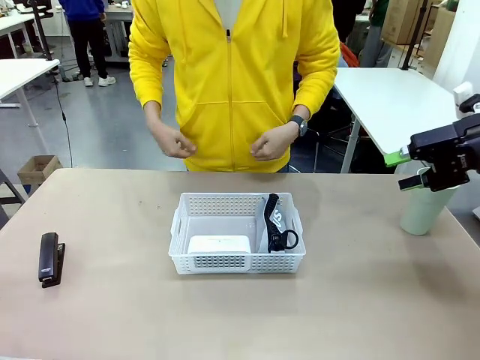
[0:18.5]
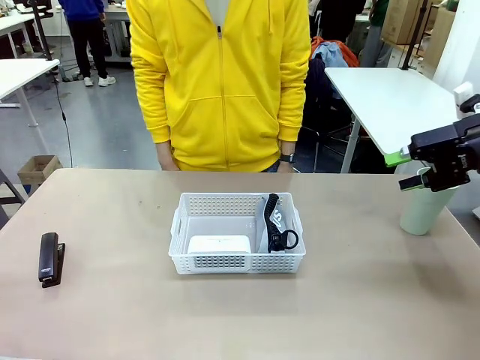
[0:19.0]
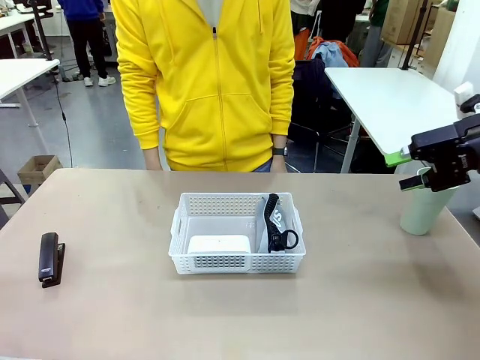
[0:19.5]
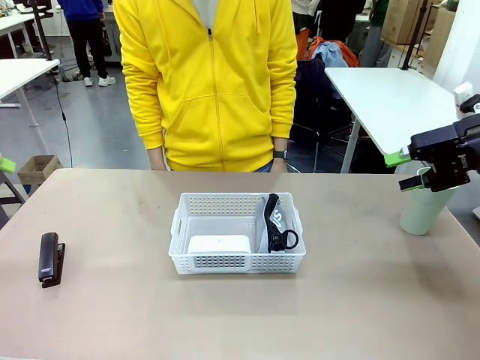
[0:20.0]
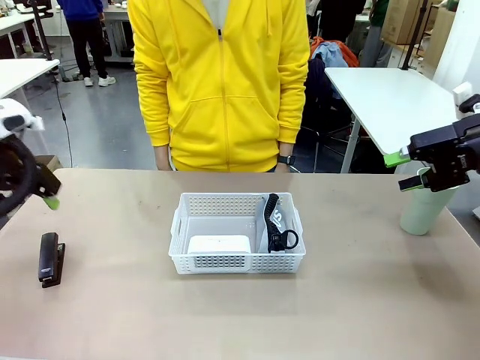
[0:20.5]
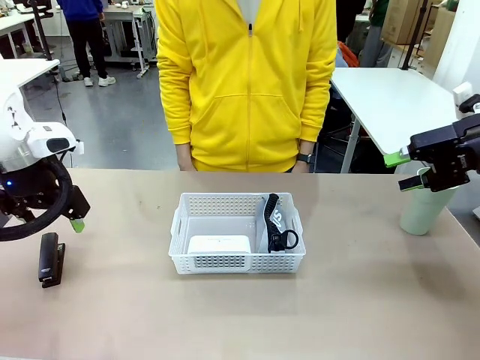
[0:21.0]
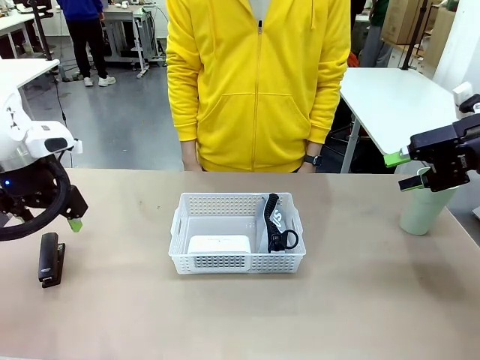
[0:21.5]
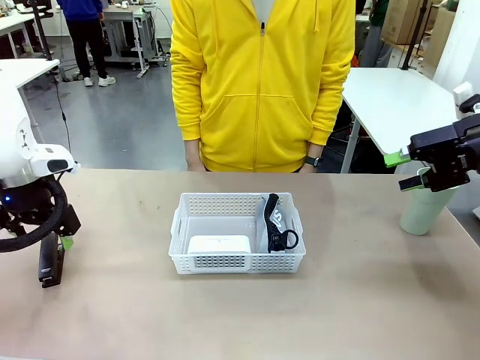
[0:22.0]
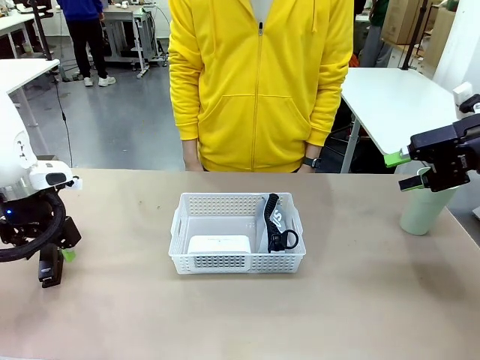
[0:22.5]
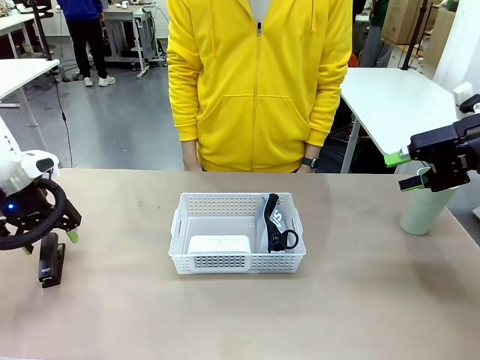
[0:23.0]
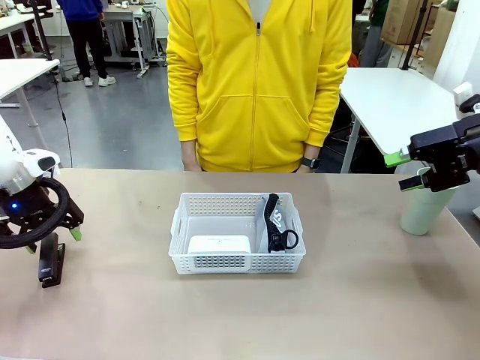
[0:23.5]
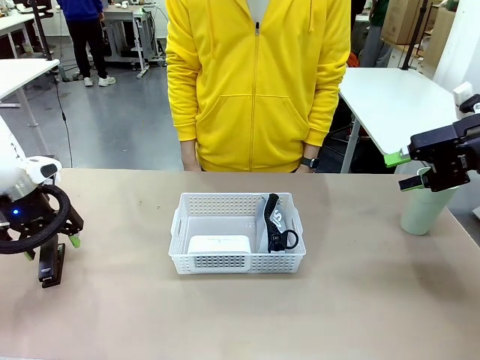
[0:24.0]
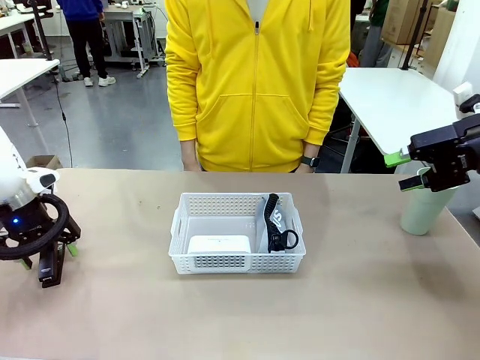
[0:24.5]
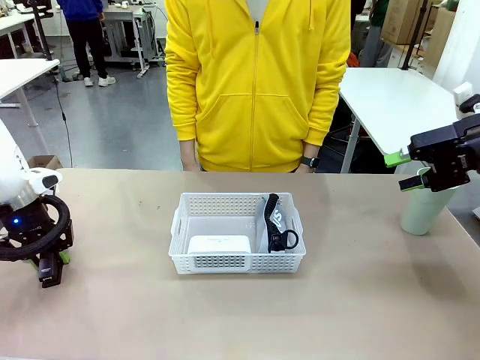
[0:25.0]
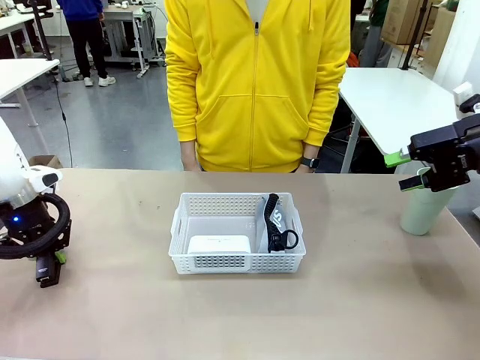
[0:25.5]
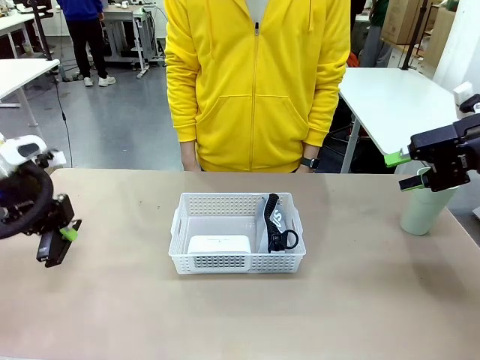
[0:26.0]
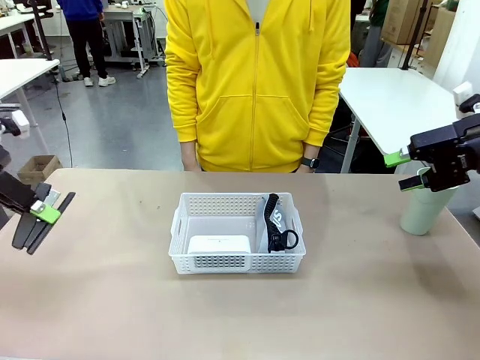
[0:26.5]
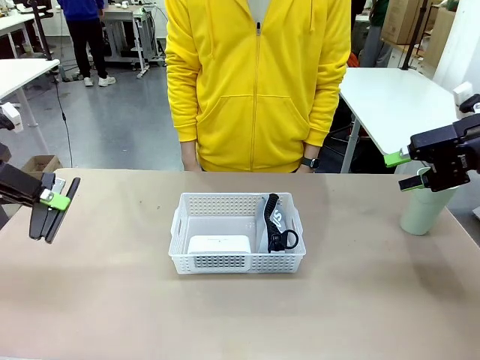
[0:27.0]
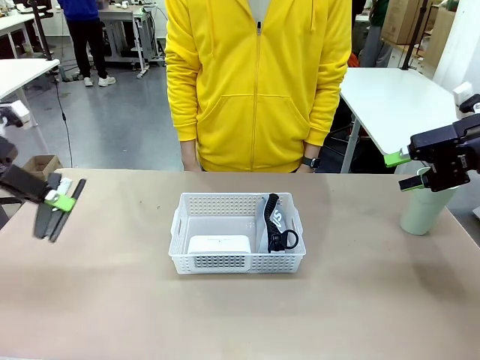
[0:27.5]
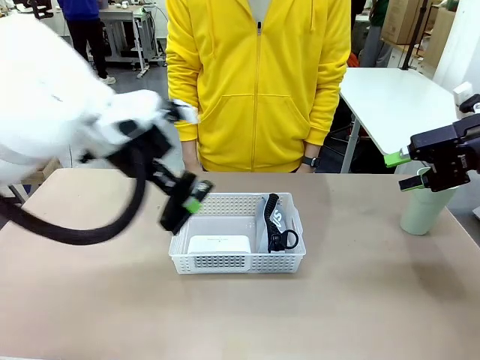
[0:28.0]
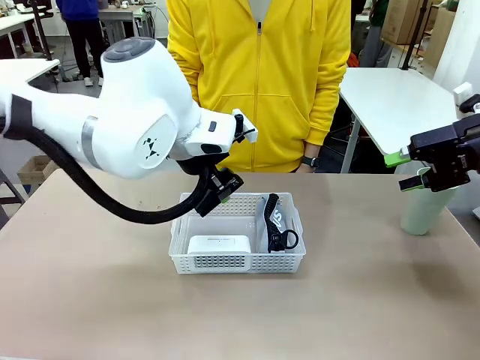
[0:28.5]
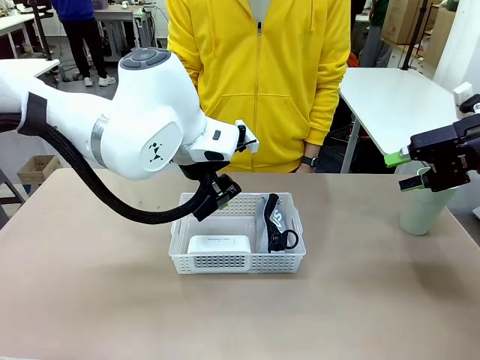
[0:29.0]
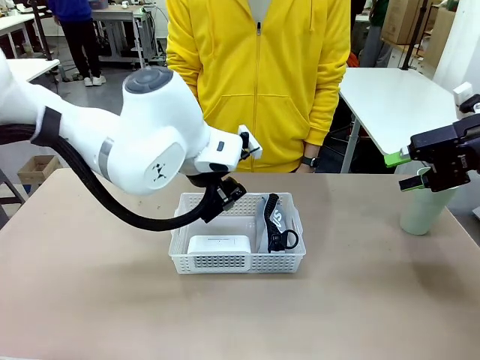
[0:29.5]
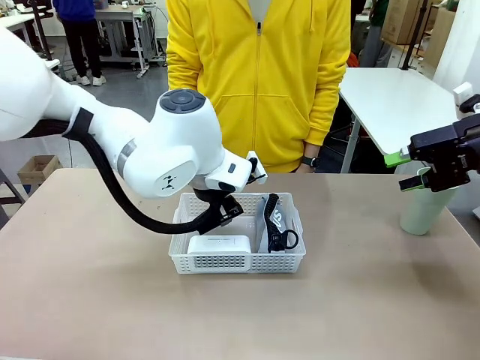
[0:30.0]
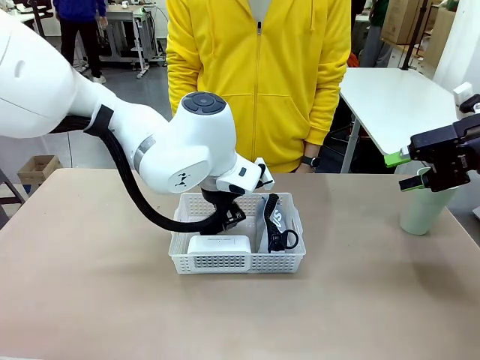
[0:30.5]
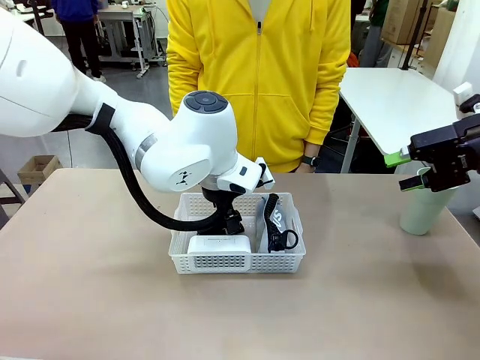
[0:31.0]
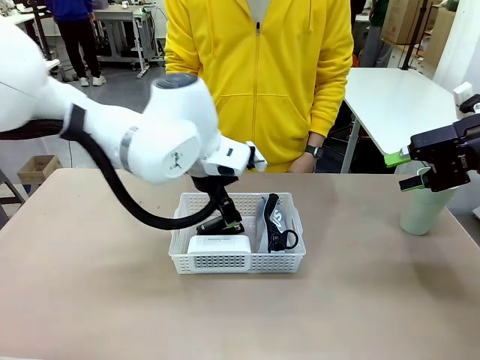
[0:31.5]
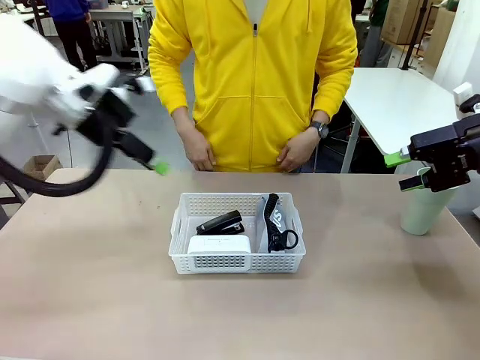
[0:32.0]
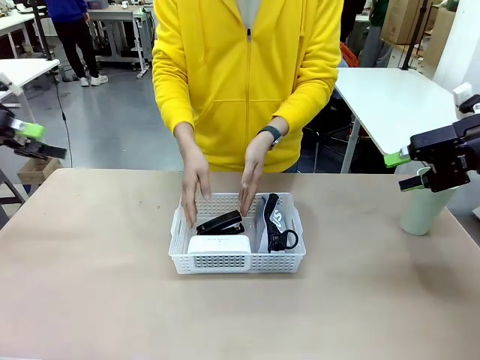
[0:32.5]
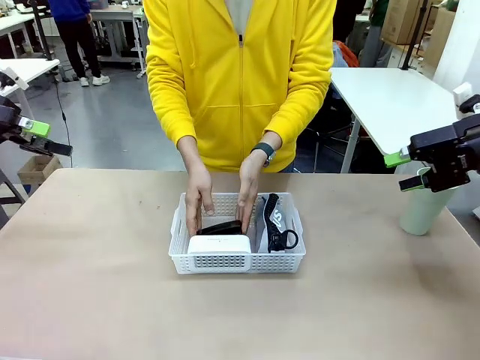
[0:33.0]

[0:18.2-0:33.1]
Task: Efficiently arrange items inside the basket to fit them all.
Robot: Pick up the Stapler and place it inside the Organizing basket.

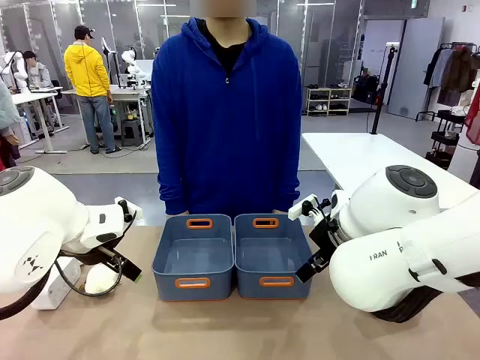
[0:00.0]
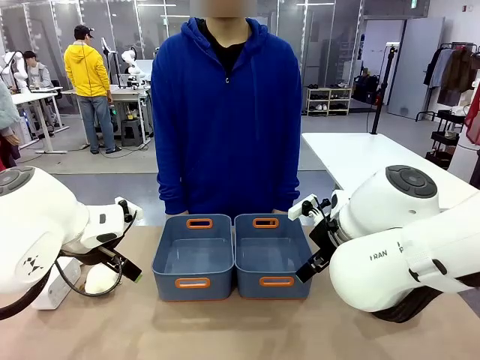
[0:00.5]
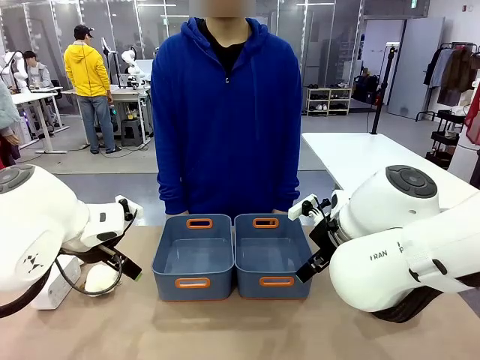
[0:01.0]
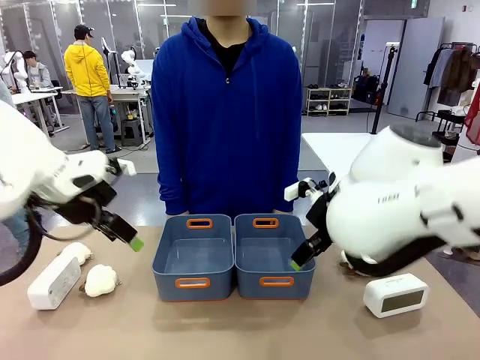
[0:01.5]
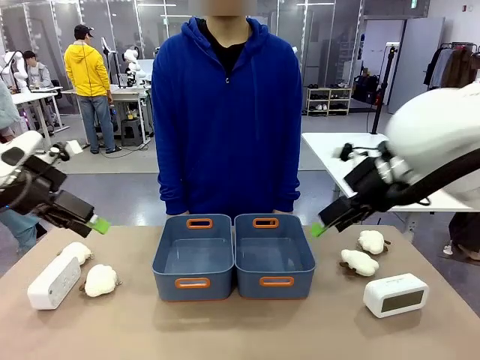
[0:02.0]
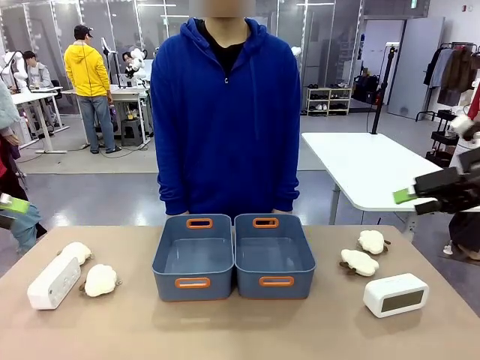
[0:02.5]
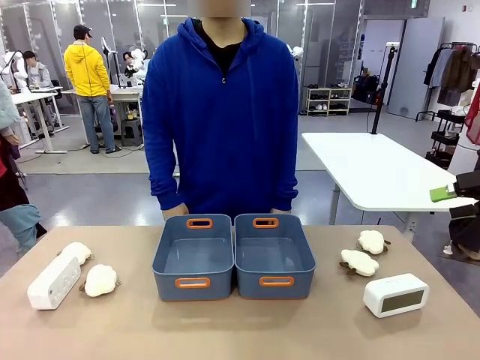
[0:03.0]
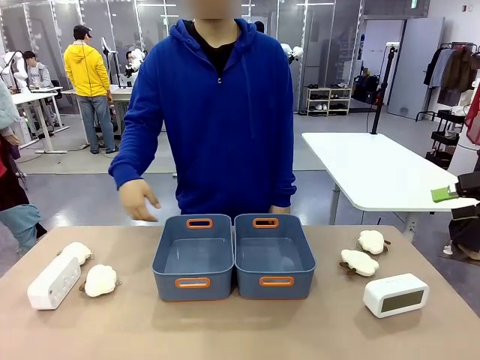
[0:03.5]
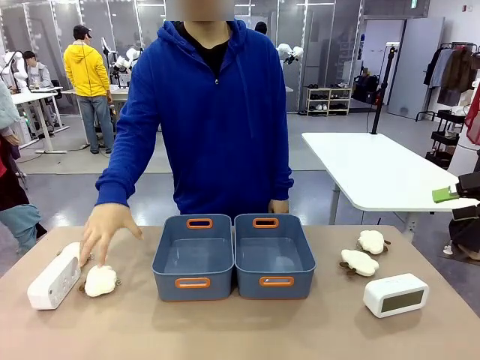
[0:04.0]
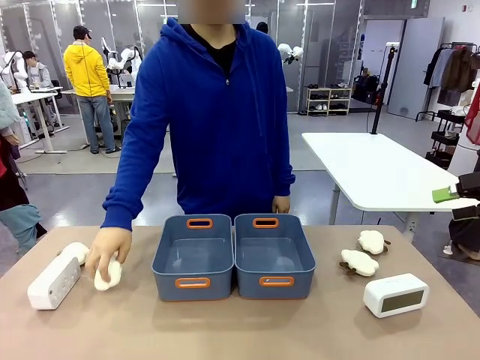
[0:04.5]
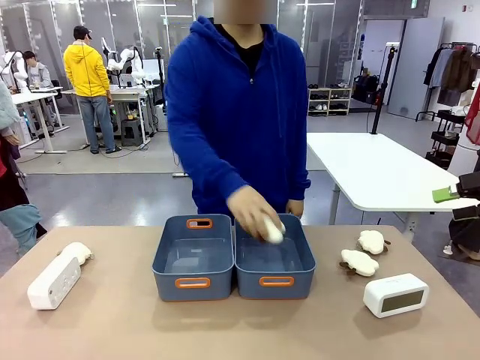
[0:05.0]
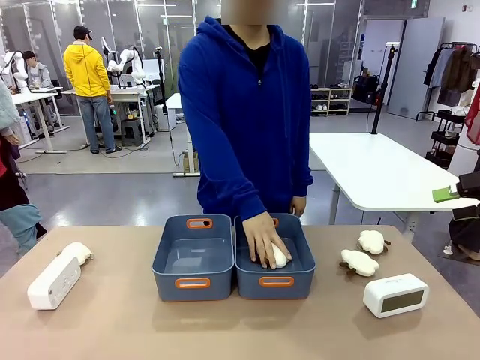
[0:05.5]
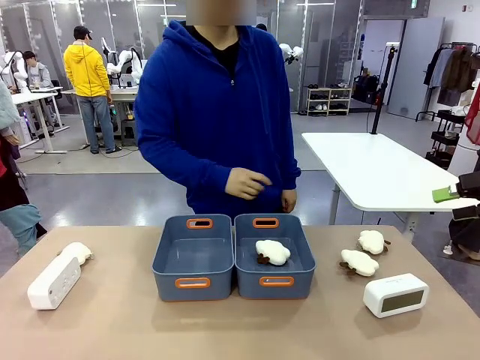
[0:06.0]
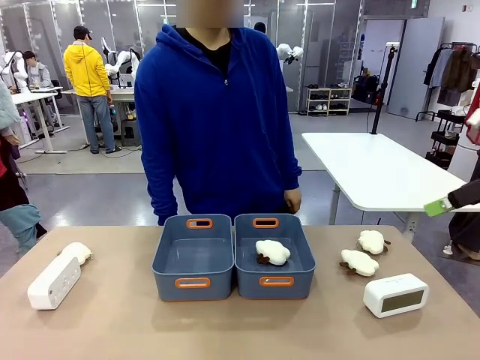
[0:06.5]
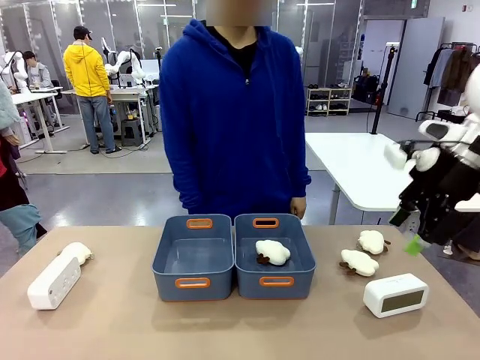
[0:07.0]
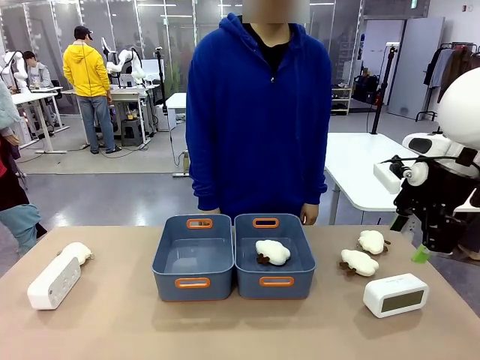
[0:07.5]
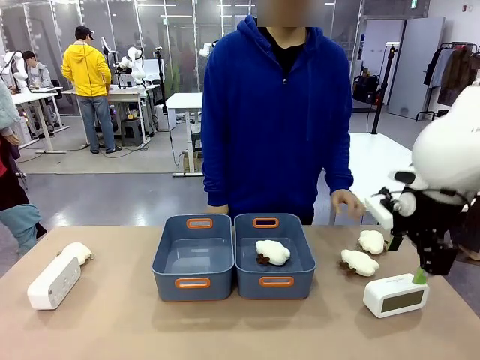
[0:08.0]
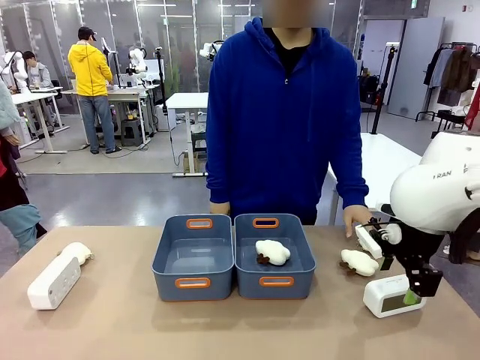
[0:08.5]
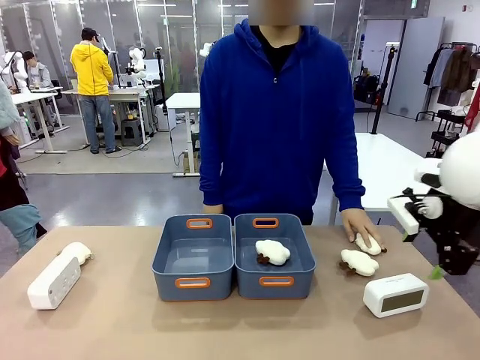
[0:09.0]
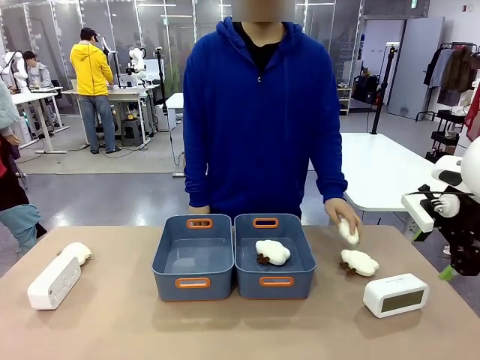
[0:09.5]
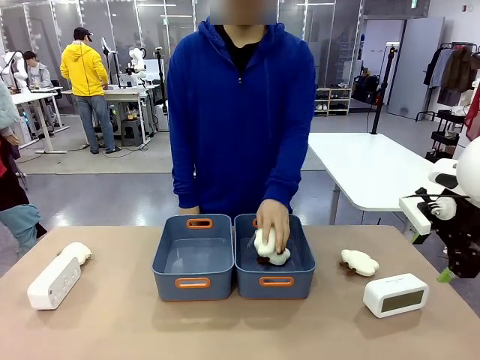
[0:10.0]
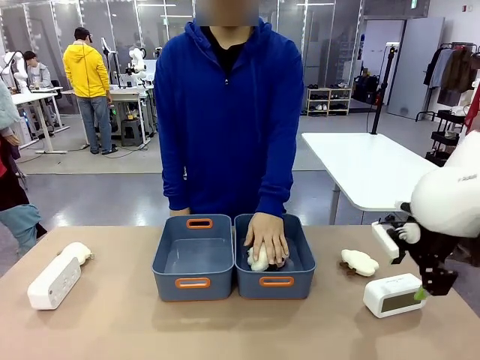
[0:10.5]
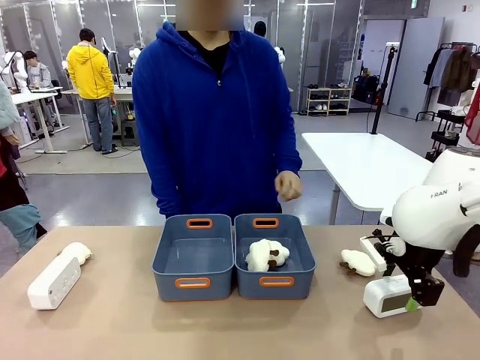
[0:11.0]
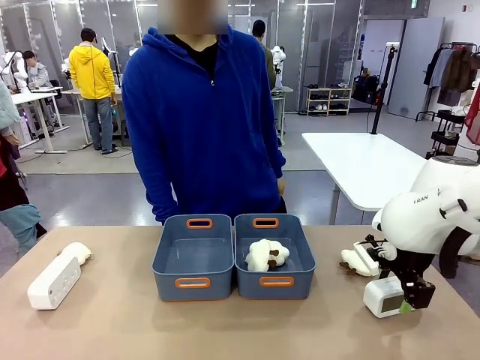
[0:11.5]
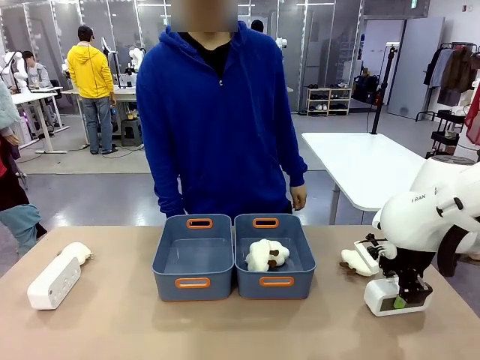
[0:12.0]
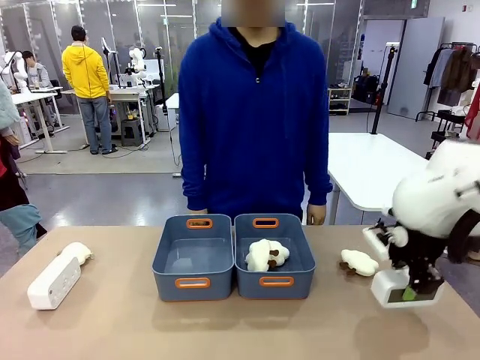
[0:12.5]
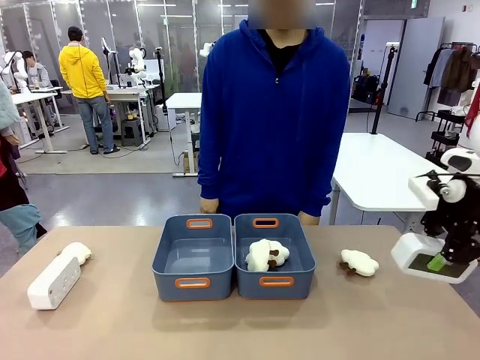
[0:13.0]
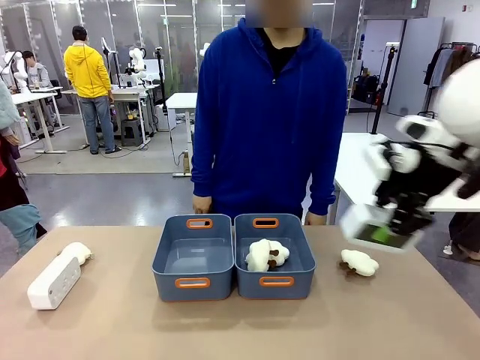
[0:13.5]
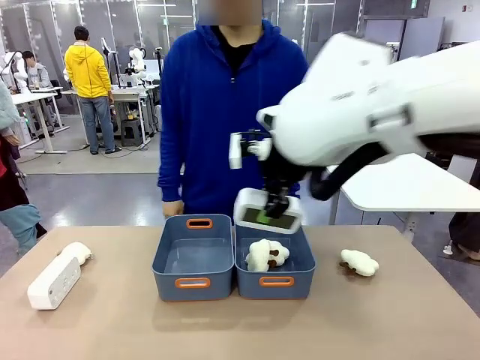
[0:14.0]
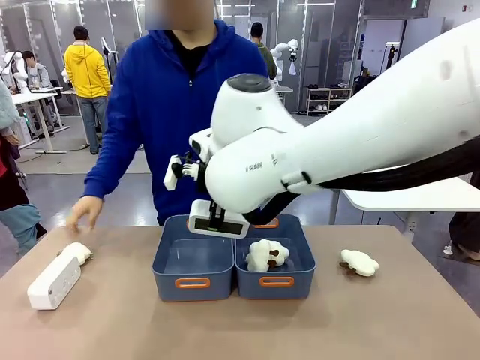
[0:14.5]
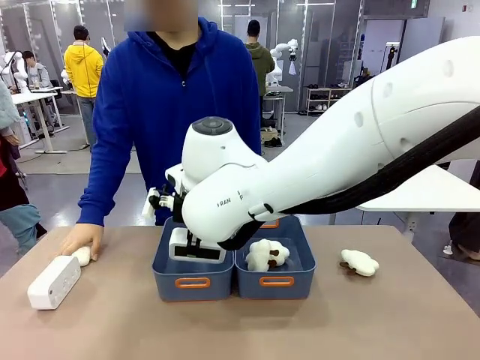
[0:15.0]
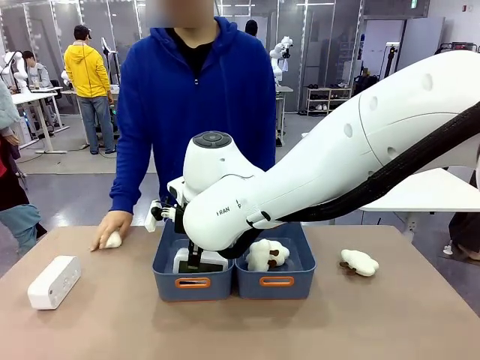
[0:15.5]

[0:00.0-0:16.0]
Task: Sort the digital clocks into the basket.
Robot: Pick up the Digital clock from the table and place it into the empty Plastic storage basket.
Person: Pick up a plush toy from the table and place it in a plastic storage basket.
